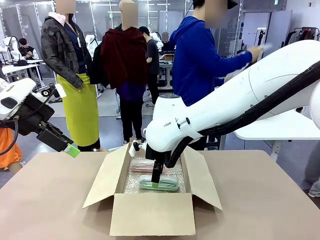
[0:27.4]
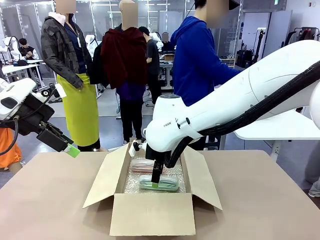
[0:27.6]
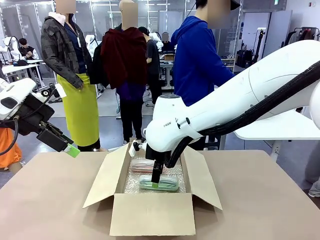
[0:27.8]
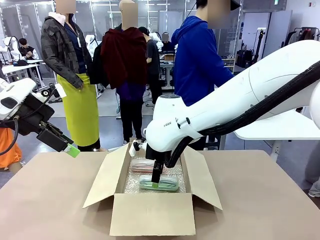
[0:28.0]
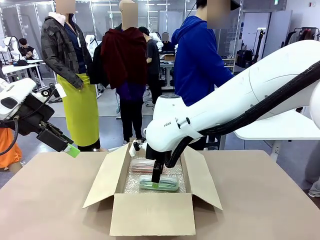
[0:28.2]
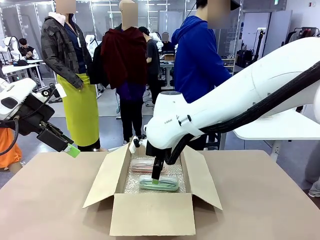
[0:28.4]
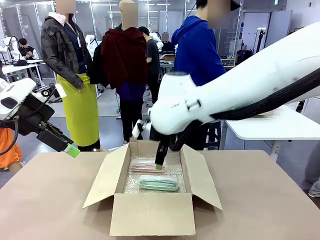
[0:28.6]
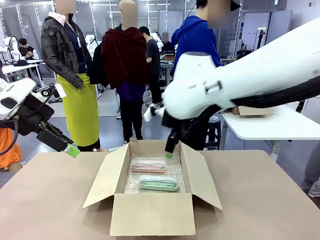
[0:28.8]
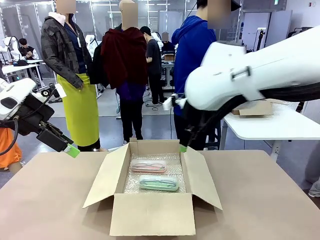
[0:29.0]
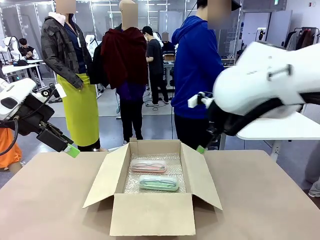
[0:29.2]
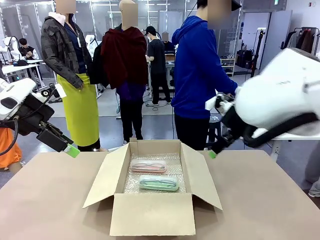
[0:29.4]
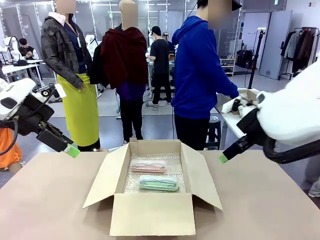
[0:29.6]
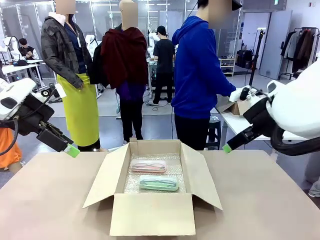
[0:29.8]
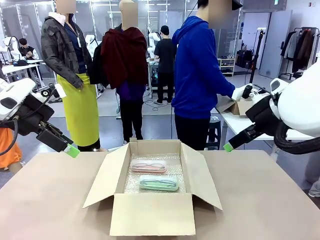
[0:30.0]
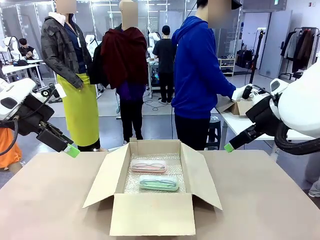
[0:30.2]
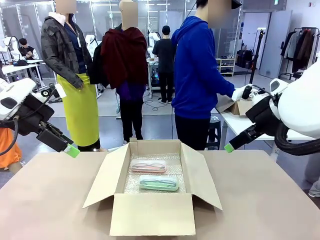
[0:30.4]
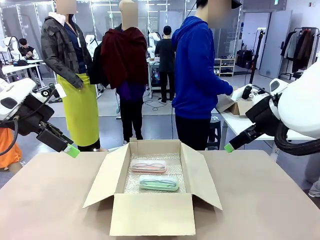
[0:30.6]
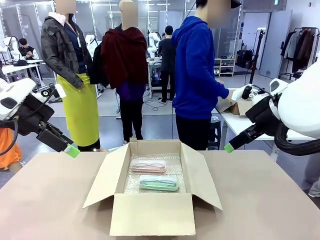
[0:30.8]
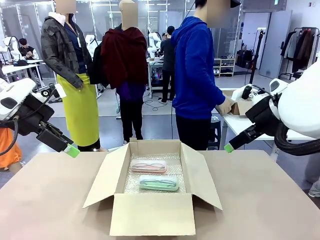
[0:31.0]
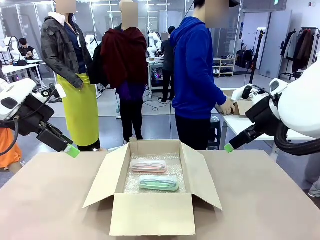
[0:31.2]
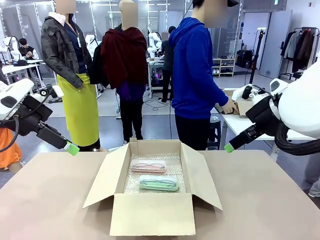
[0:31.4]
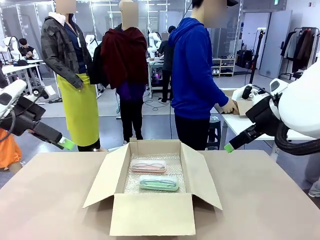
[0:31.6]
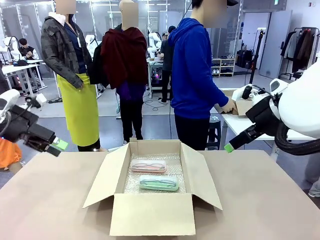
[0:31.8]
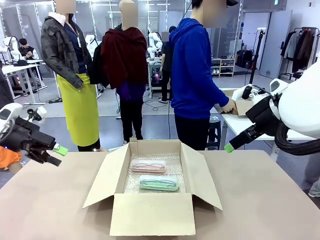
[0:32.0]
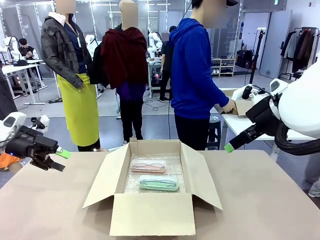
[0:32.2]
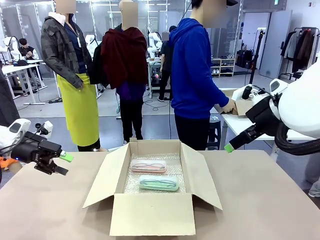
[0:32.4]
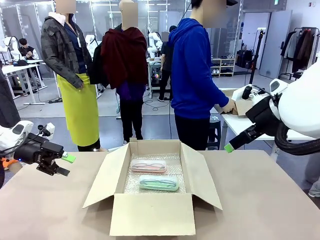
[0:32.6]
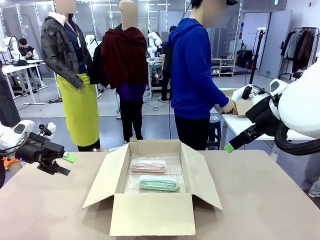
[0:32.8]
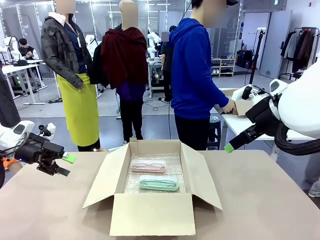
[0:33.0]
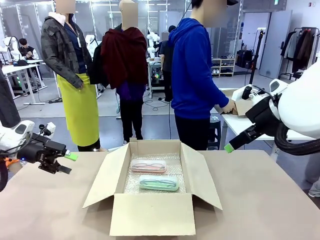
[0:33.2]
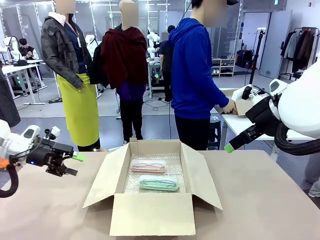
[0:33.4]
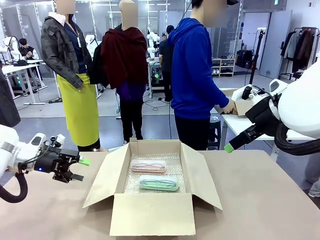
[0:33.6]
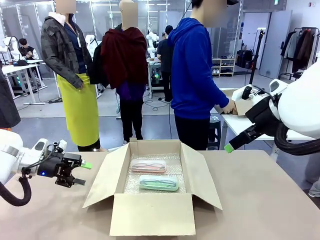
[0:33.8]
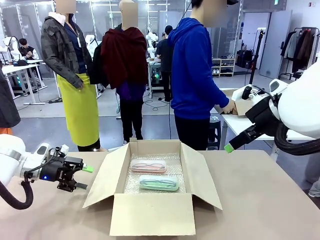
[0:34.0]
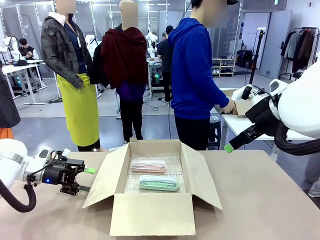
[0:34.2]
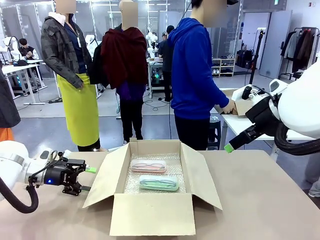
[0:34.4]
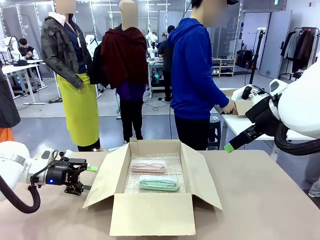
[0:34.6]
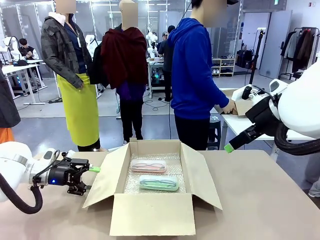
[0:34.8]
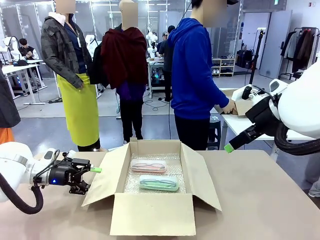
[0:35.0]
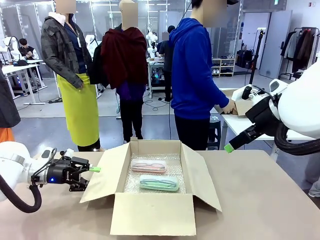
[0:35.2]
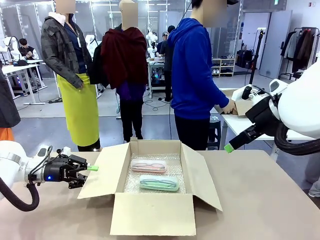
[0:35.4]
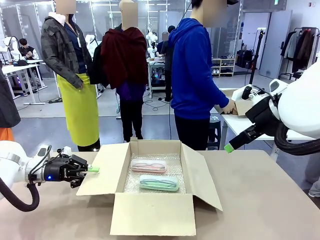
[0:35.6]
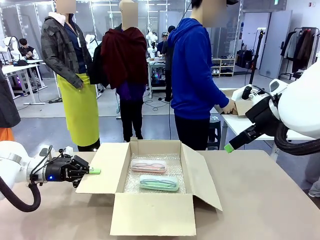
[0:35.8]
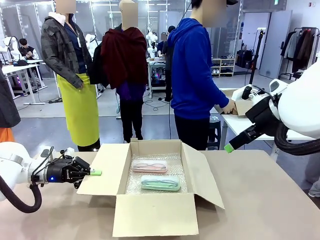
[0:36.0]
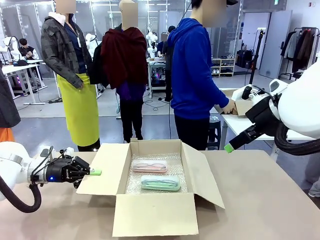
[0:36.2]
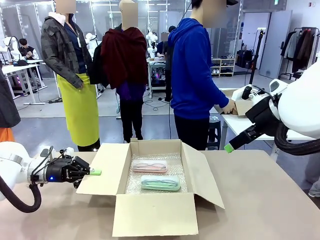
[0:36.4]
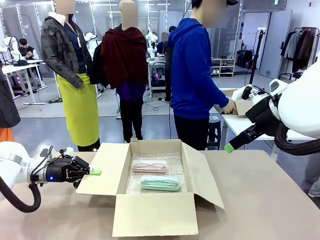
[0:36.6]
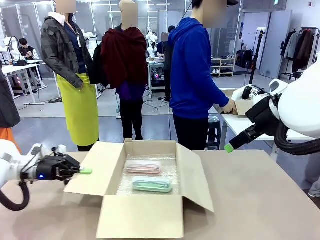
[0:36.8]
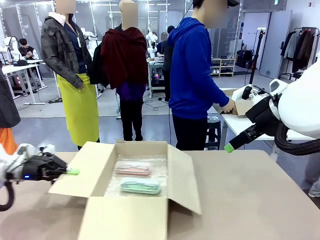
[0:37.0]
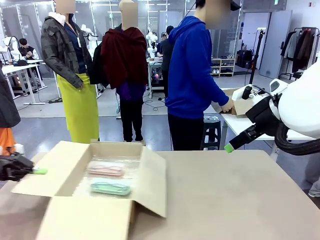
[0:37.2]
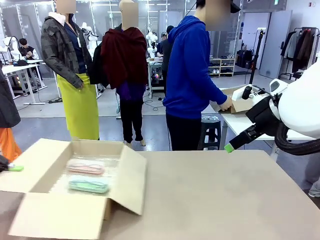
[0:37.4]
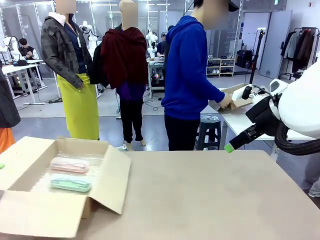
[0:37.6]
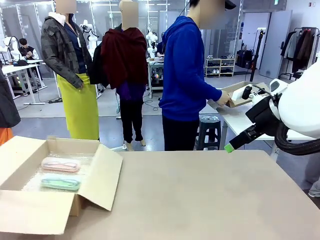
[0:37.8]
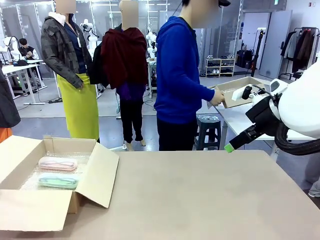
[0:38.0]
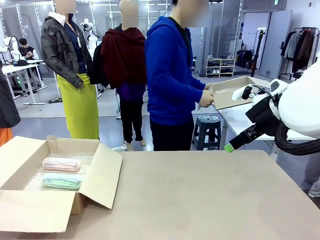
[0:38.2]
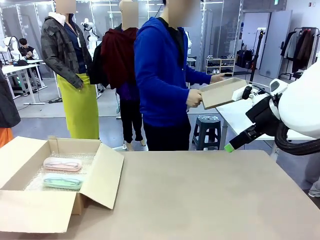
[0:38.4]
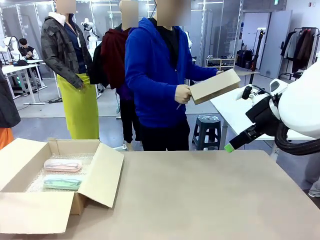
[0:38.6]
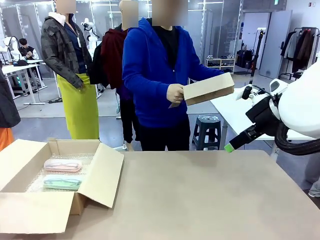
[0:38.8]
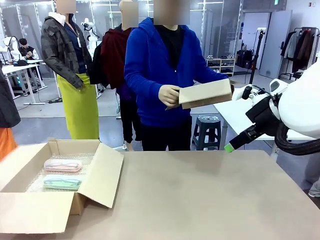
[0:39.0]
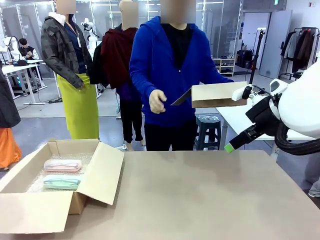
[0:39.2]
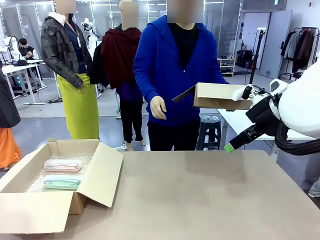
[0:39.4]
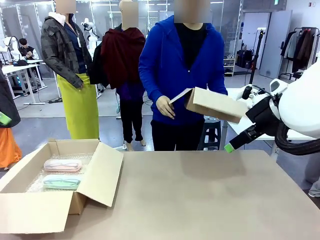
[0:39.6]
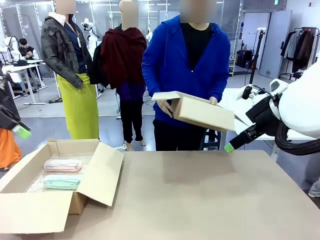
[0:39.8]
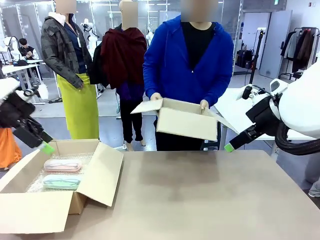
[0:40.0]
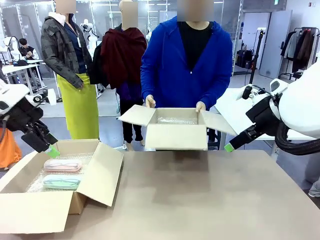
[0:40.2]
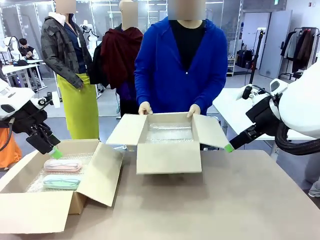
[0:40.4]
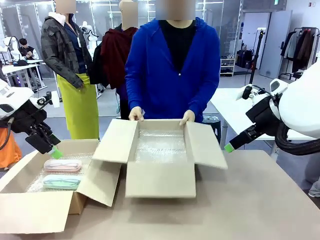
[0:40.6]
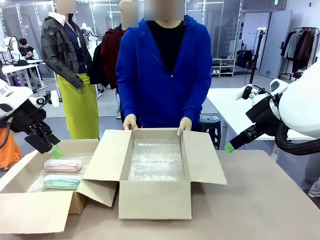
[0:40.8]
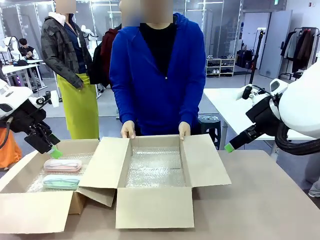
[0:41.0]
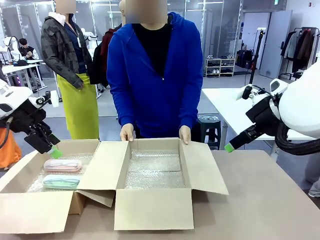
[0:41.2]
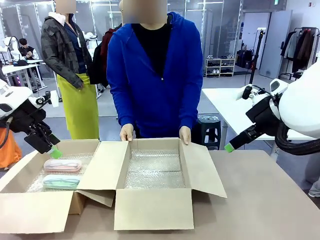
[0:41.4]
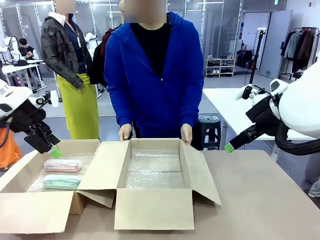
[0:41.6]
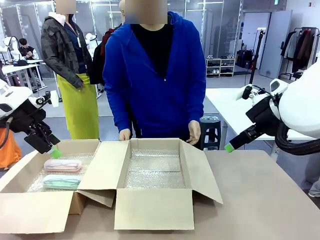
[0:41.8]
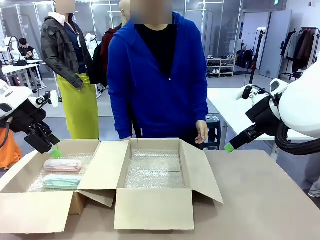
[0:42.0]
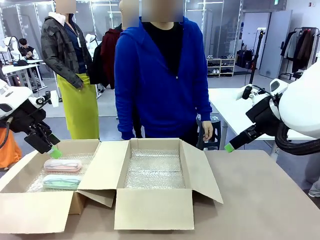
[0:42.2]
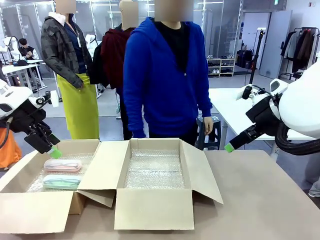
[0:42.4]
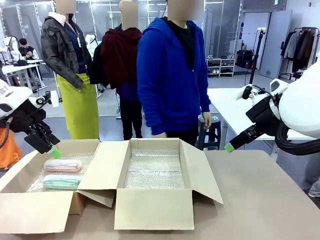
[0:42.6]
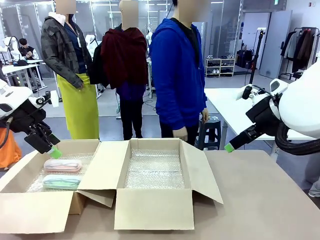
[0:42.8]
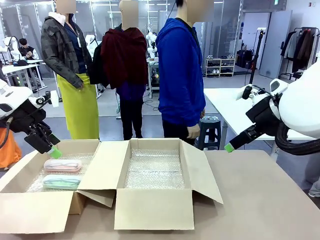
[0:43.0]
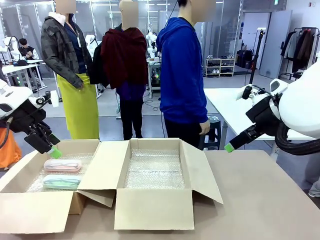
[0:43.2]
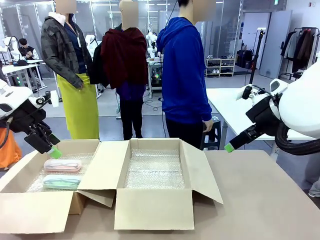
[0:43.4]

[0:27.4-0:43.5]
Task: Pack the glasses set securely to prepare it for shipping.
Robot: Position the Package Box on the left side of the table.
Person: Position the empty Package Box in the middle of the robot's table.
